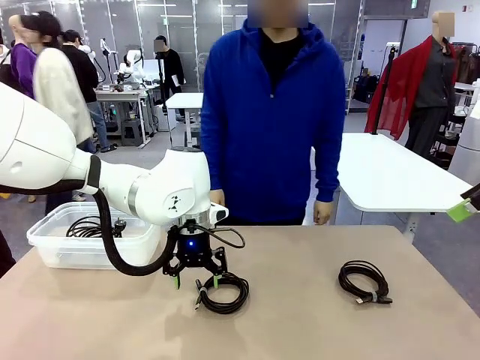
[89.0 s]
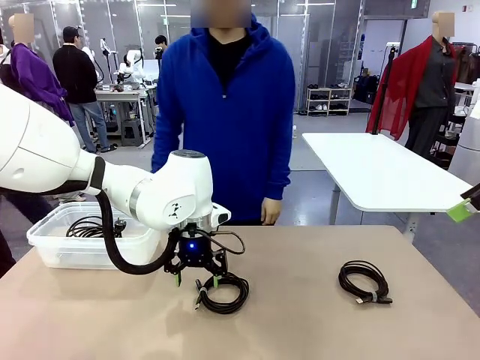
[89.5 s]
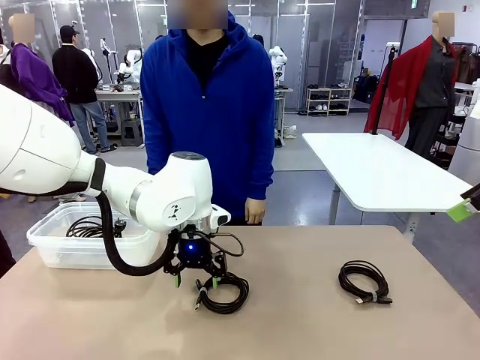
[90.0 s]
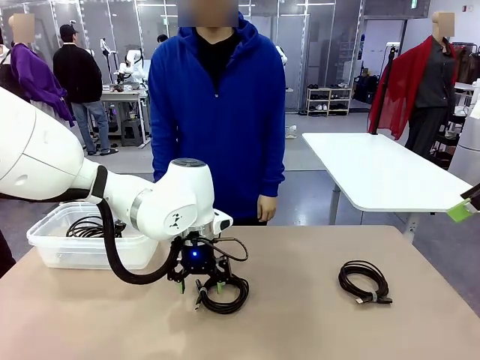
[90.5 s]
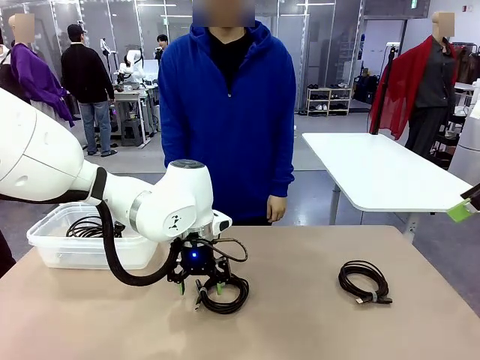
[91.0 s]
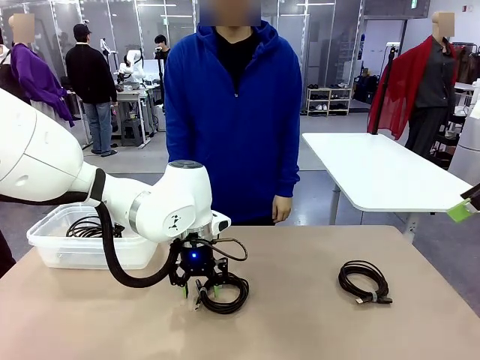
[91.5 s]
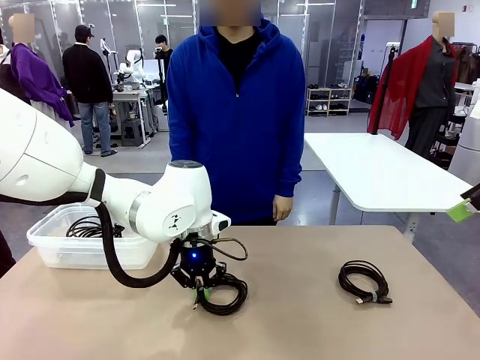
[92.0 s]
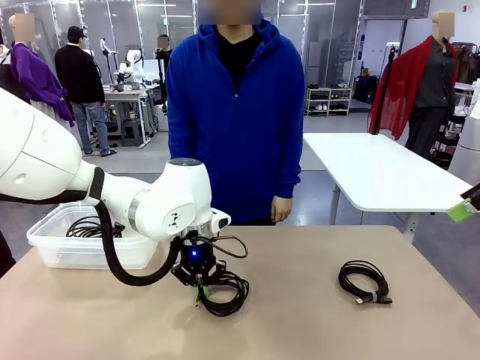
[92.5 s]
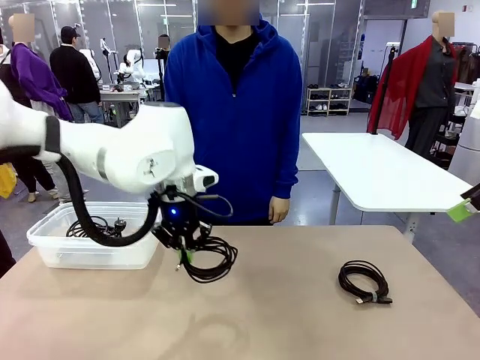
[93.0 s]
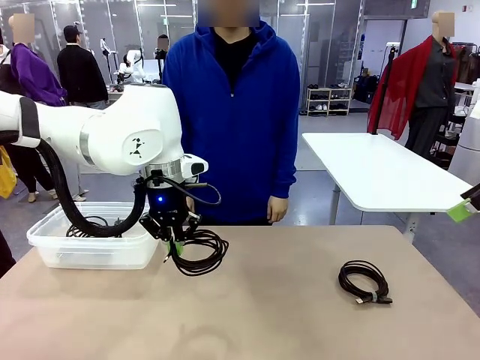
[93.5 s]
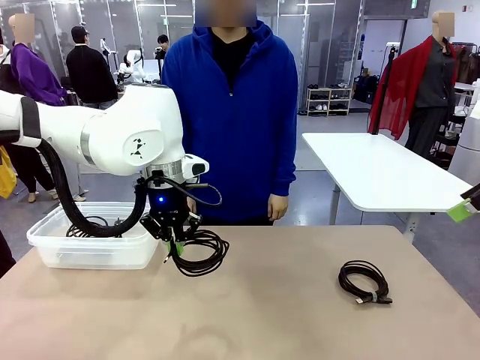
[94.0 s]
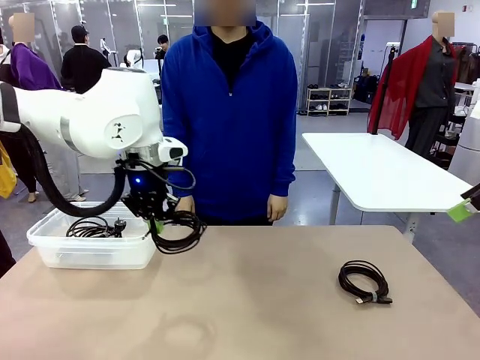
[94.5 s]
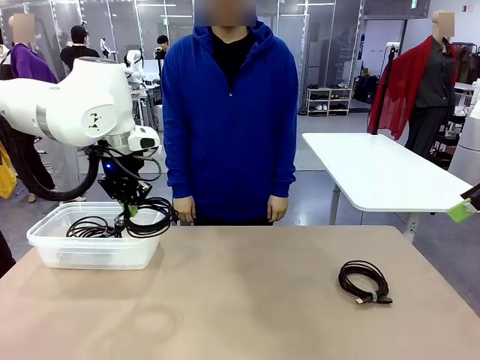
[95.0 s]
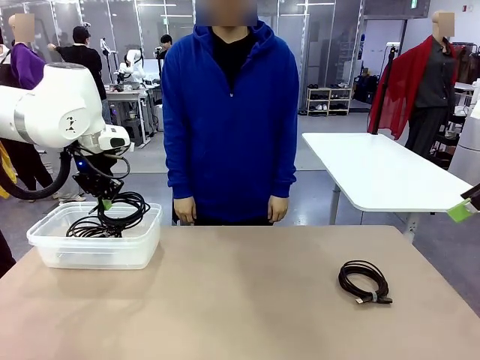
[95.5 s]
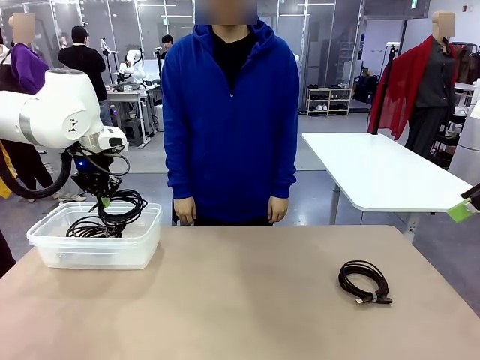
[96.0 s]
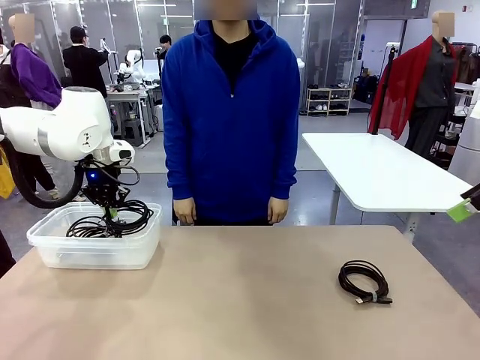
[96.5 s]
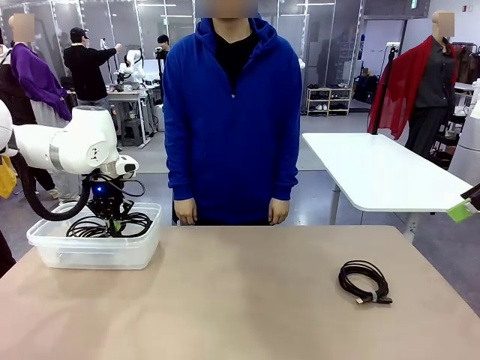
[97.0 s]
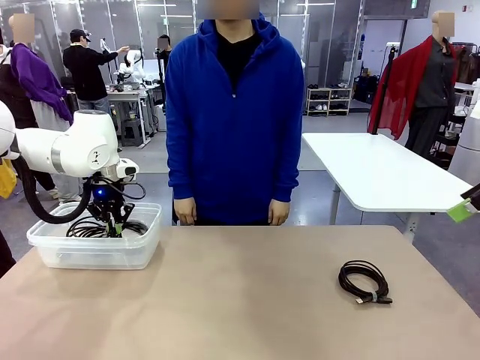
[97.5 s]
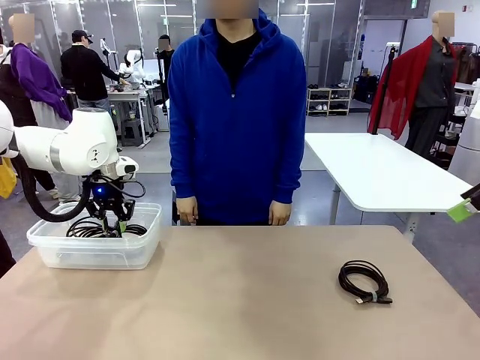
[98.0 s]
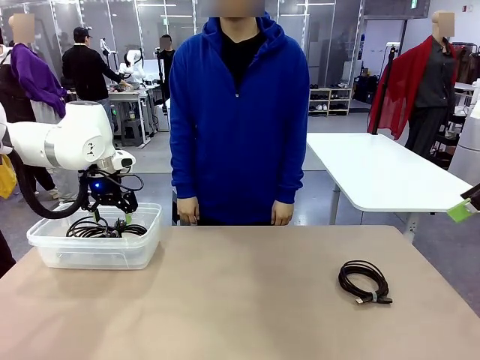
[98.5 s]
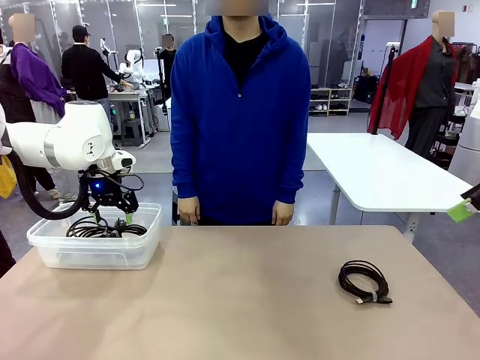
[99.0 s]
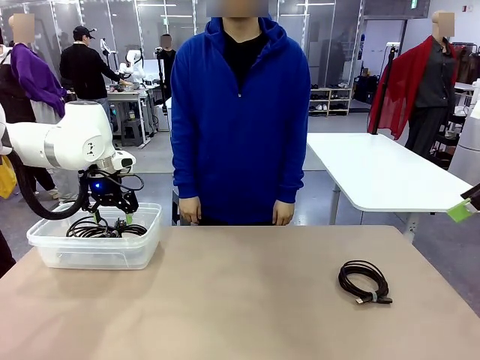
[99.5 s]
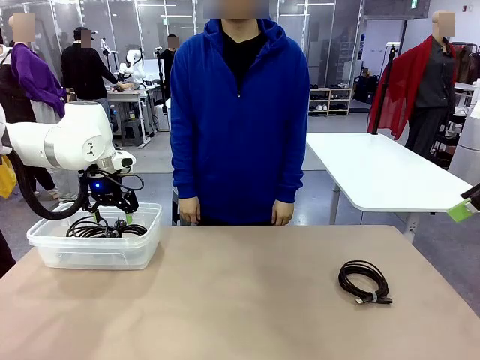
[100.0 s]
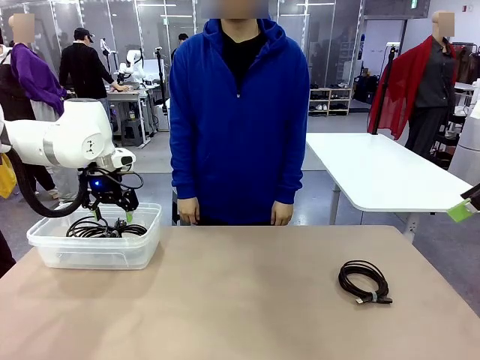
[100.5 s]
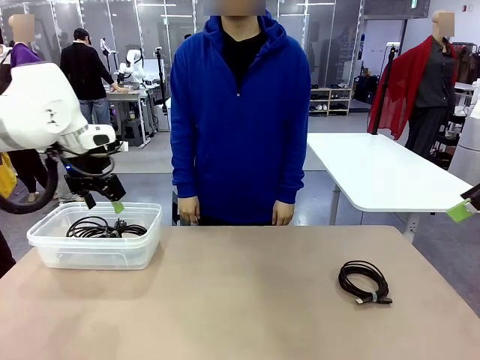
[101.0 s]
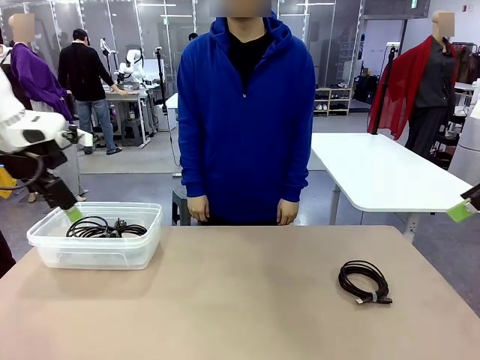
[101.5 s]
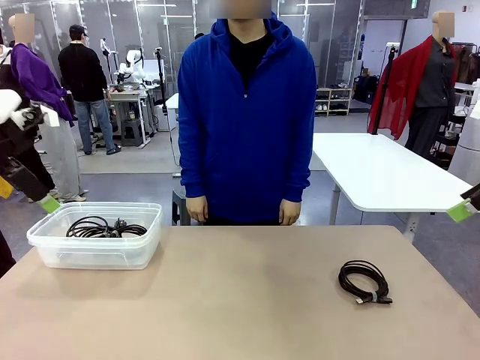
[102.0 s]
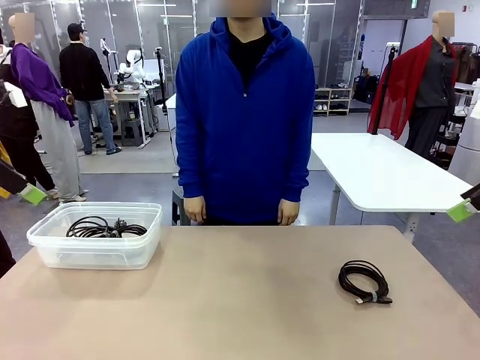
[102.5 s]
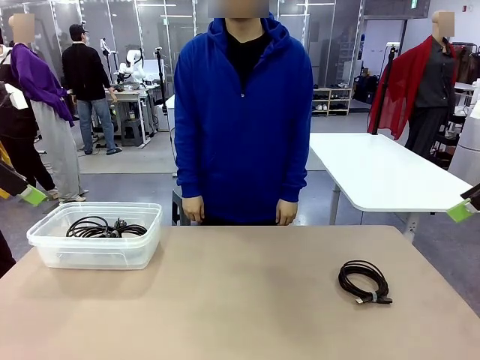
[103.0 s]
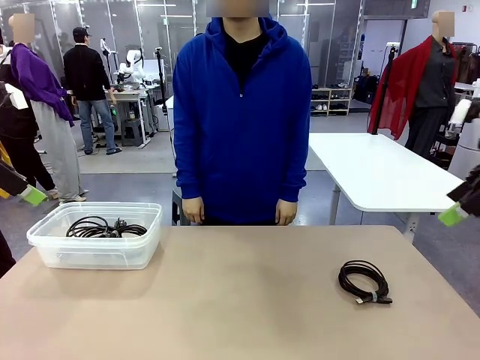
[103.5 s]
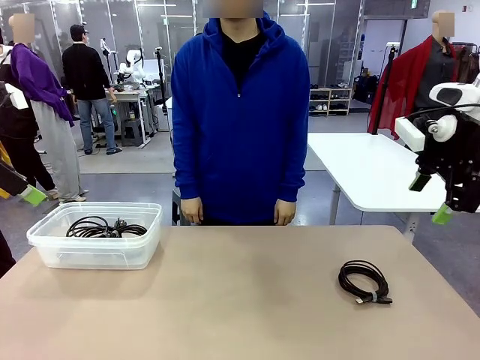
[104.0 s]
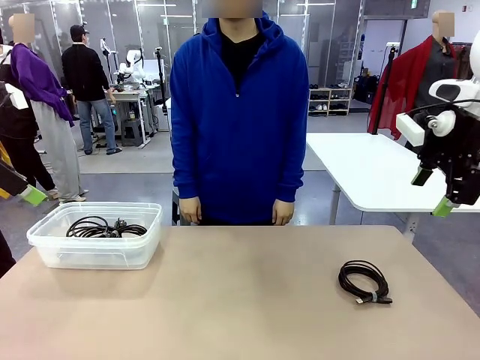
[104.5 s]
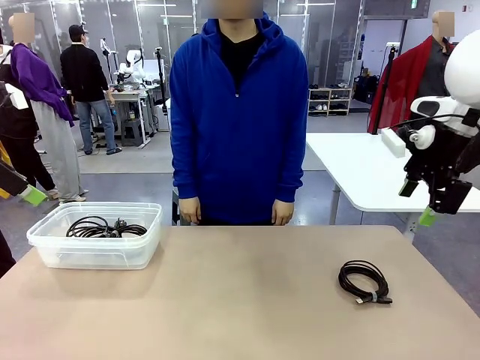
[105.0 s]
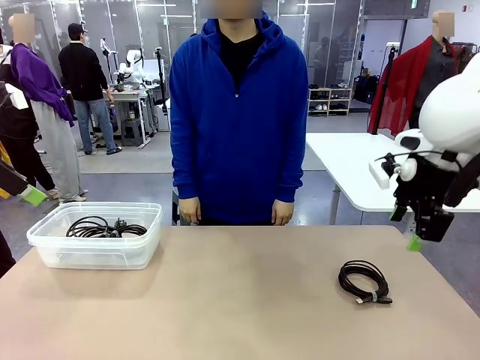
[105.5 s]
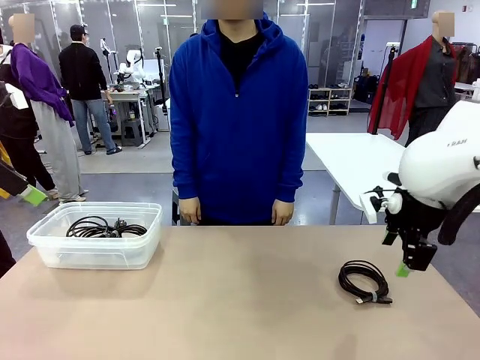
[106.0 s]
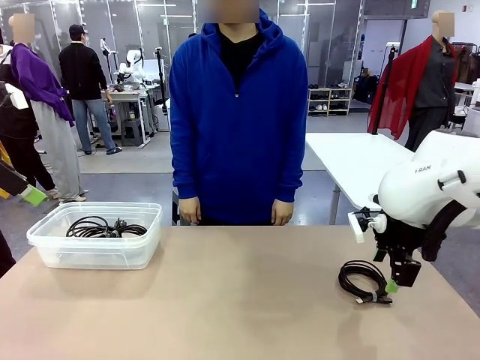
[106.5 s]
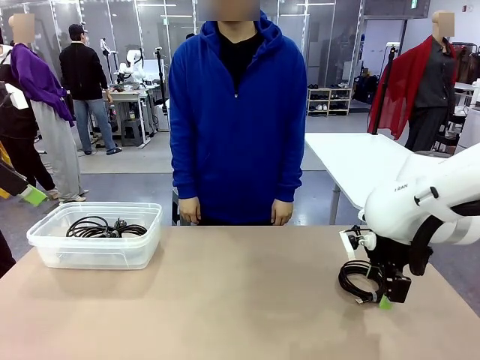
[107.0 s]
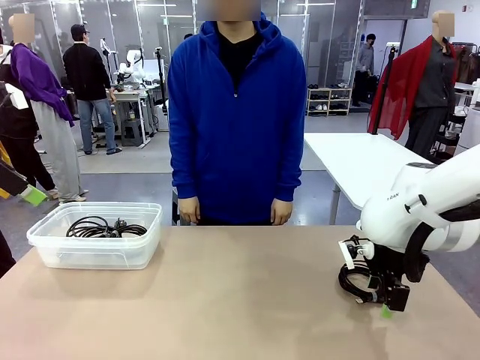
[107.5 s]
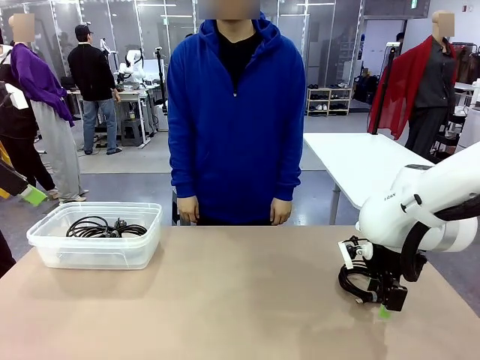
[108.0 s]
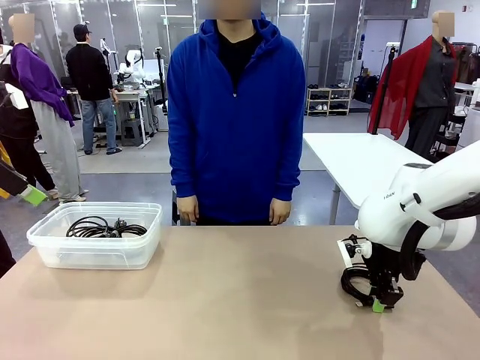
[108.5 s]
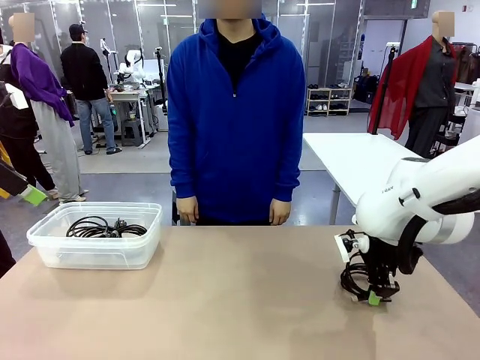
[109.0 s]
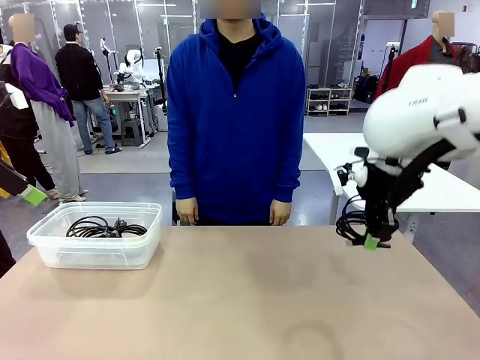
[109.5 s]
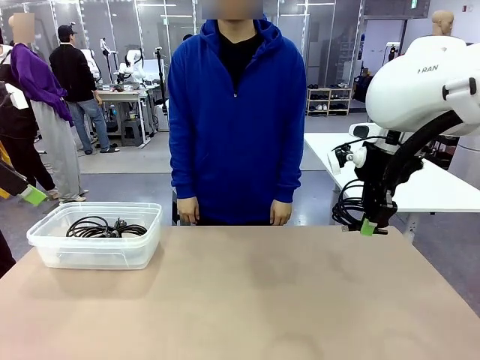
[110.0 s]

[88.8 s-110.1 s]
Task: Organize and store the cables.
Robot: Place the USB Extension Cable into the Organizing box.

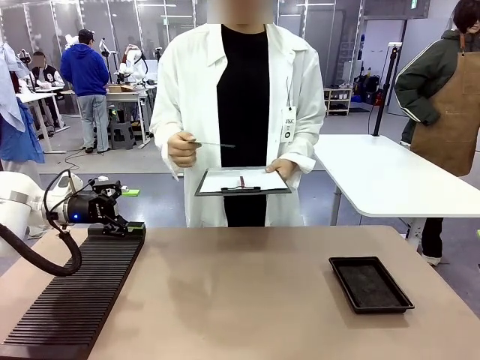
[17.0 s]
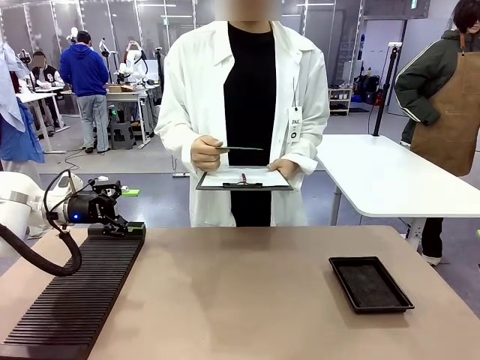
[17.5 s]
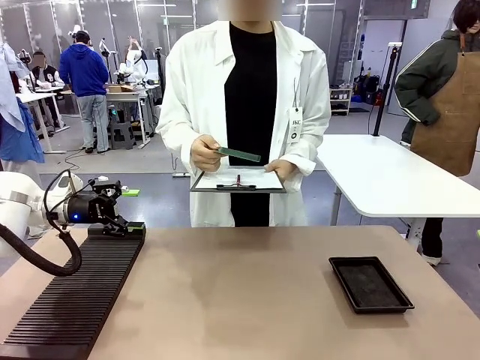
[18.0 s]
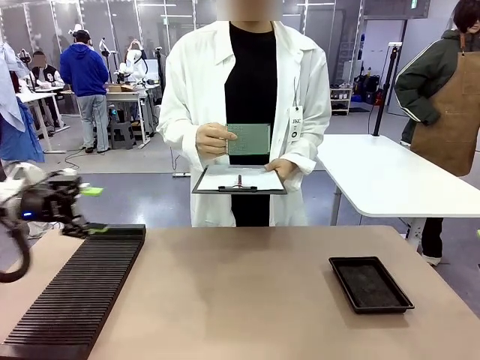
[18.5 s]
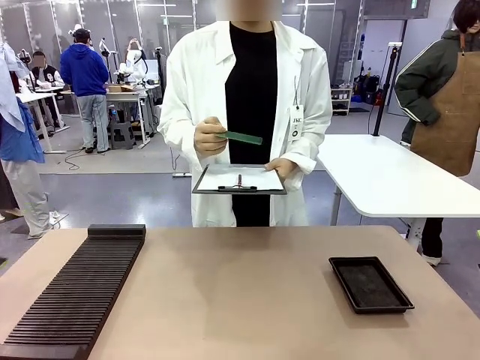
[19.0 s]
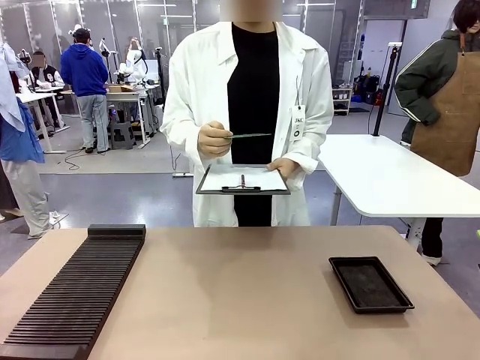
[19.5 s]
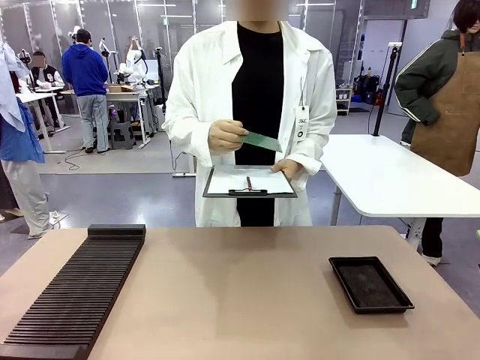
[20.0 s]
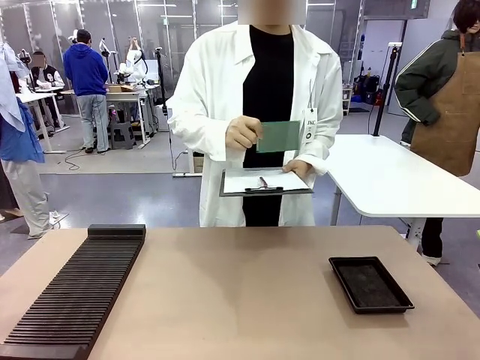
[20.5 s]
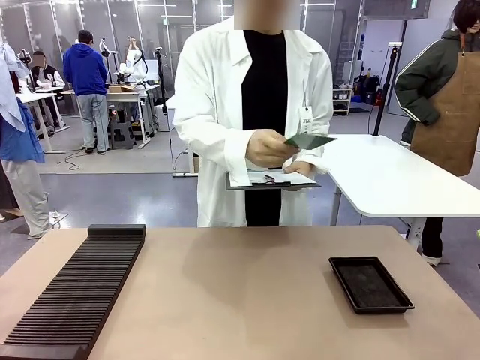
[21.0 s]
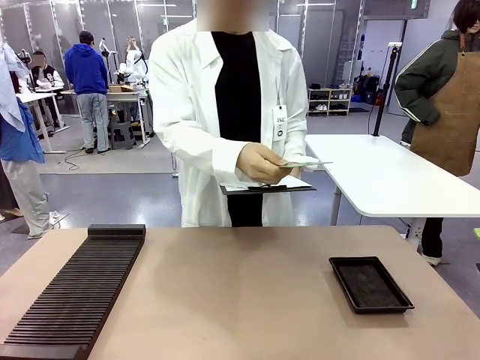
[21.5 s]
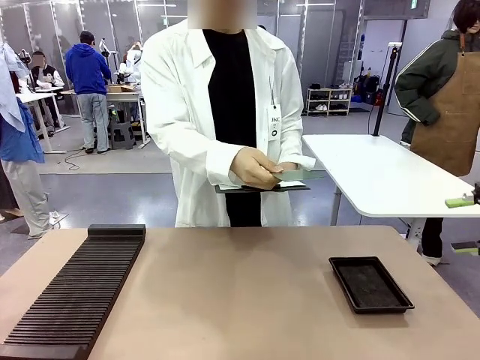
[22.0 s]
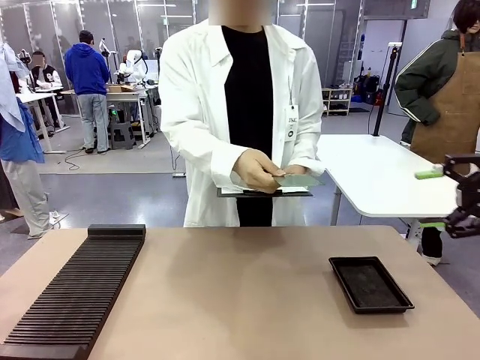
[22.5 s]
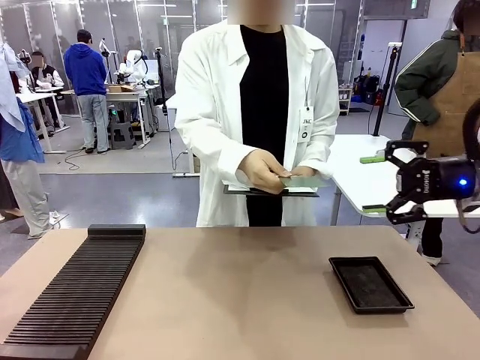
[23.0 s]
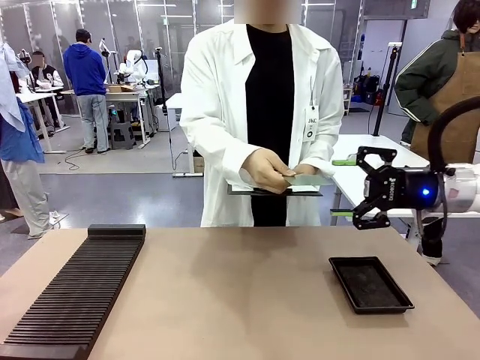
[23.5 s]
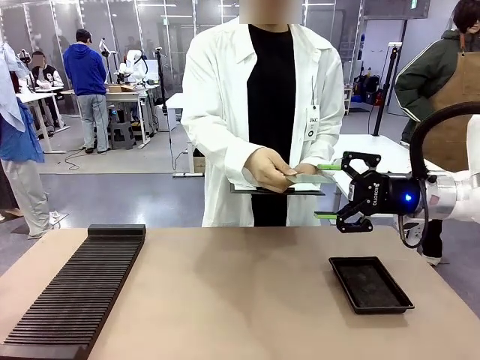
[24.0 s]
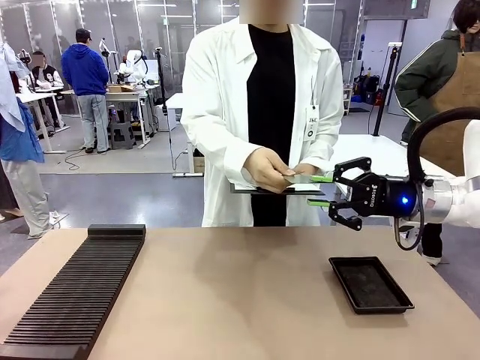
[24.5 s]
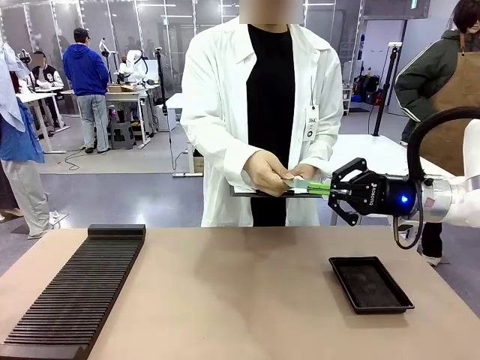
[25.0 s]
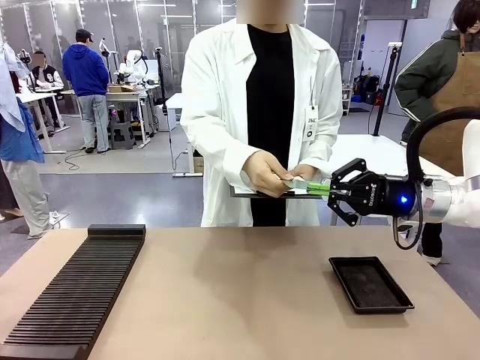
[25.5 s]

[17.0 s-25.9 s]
Task: Inspect the PCB.
Robot: Pick up the Blank PCB that the human is holding.
Person: Inspect the PCB placed by the robot, then hold it out in front of the robot. Release the PCB you were holding.
